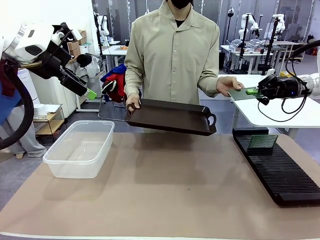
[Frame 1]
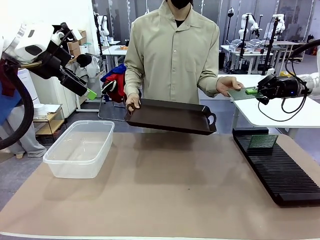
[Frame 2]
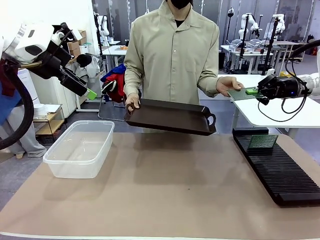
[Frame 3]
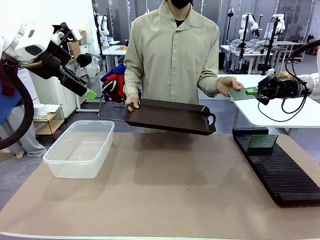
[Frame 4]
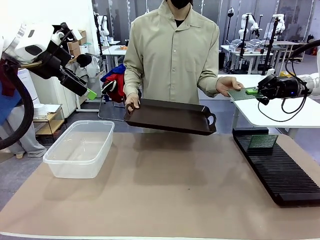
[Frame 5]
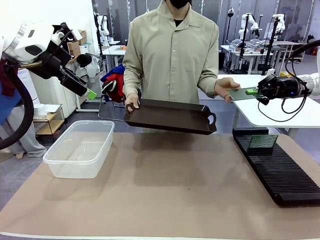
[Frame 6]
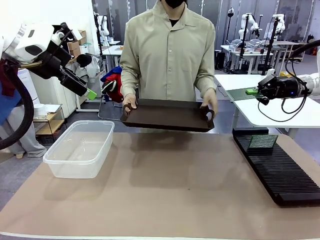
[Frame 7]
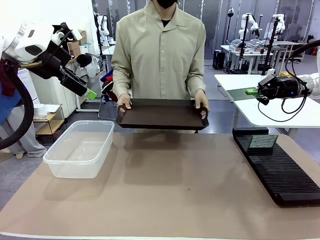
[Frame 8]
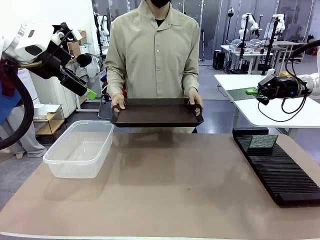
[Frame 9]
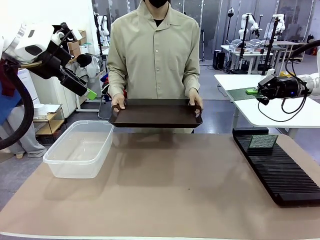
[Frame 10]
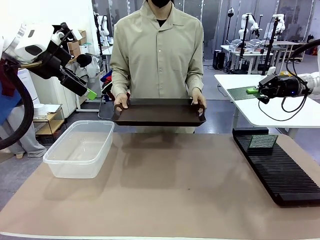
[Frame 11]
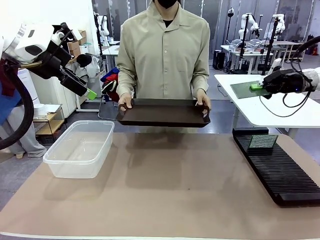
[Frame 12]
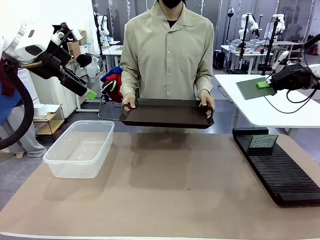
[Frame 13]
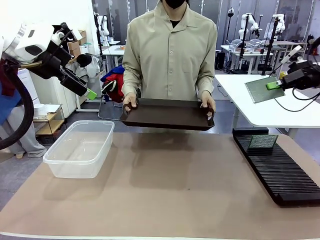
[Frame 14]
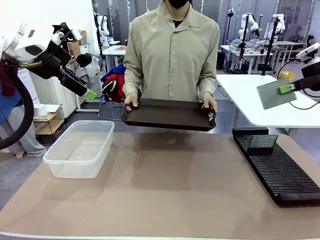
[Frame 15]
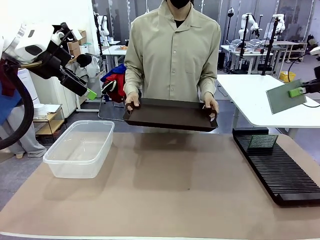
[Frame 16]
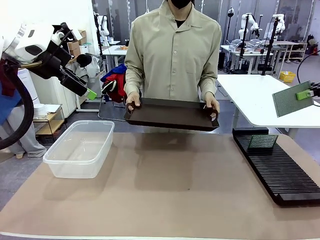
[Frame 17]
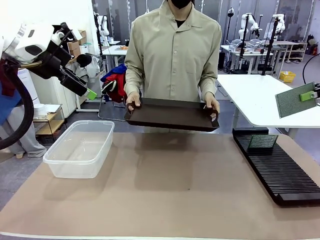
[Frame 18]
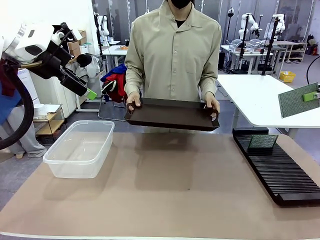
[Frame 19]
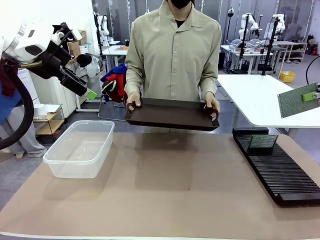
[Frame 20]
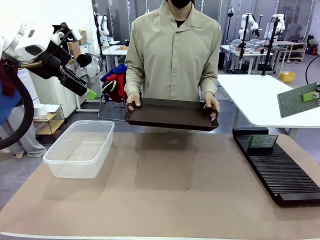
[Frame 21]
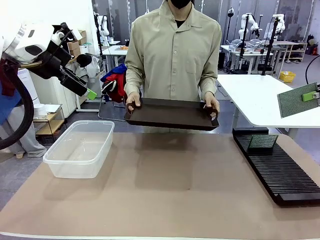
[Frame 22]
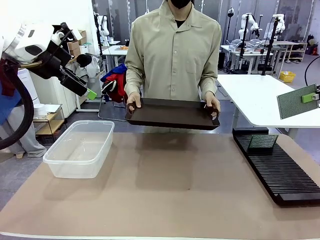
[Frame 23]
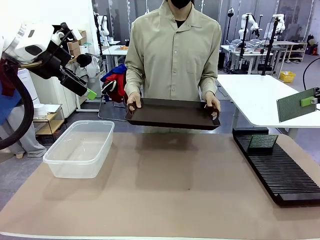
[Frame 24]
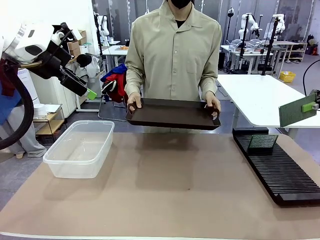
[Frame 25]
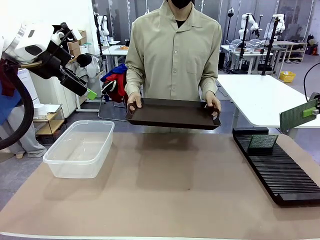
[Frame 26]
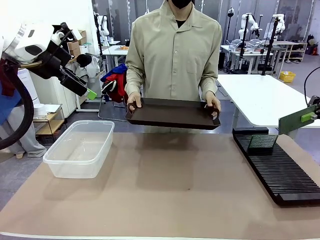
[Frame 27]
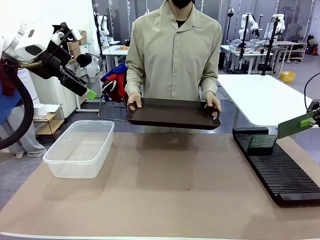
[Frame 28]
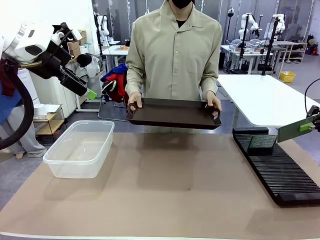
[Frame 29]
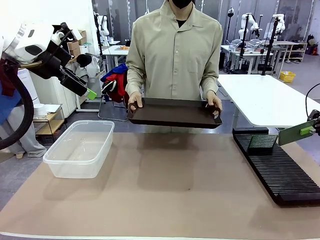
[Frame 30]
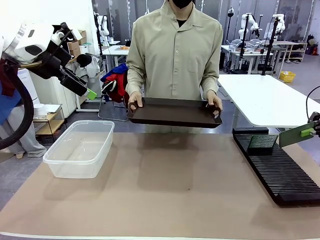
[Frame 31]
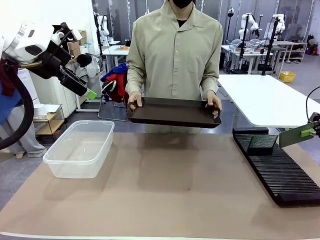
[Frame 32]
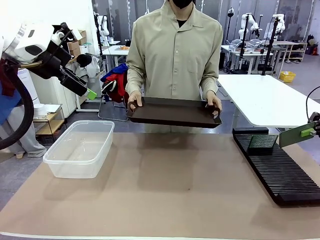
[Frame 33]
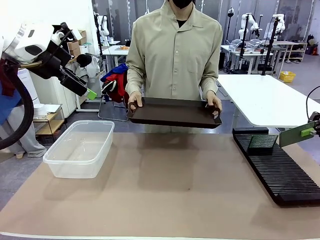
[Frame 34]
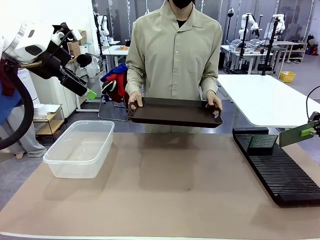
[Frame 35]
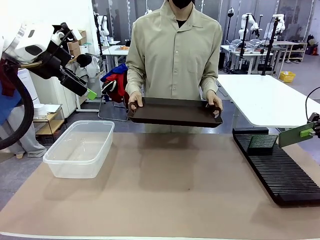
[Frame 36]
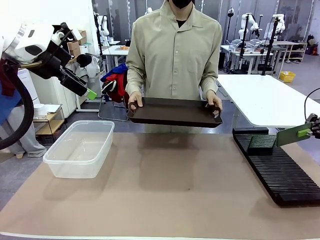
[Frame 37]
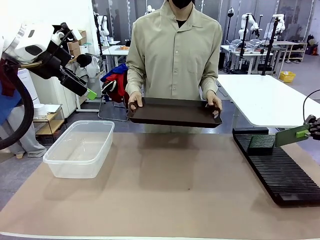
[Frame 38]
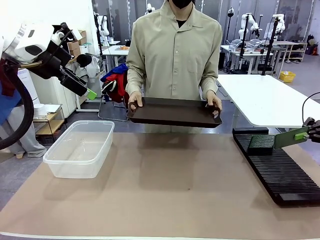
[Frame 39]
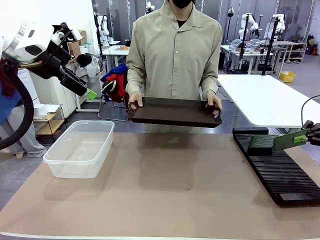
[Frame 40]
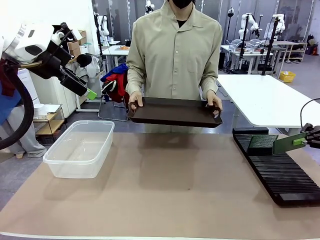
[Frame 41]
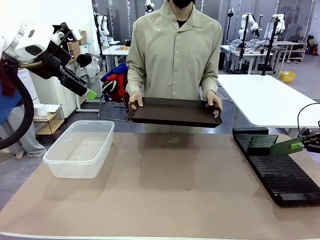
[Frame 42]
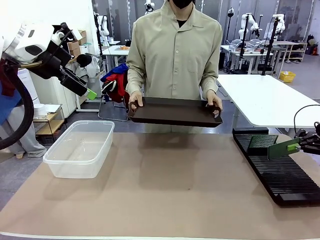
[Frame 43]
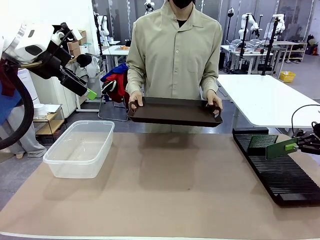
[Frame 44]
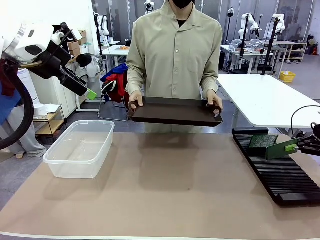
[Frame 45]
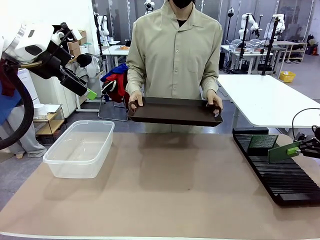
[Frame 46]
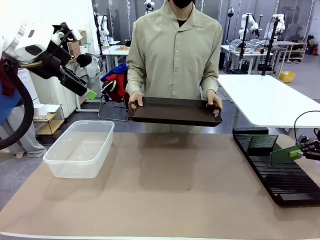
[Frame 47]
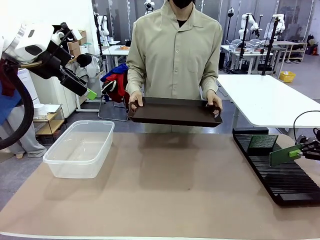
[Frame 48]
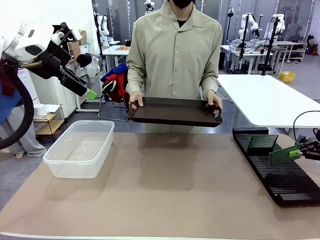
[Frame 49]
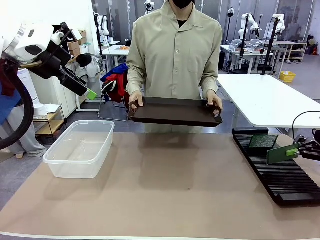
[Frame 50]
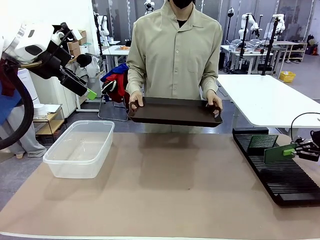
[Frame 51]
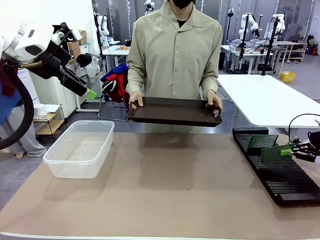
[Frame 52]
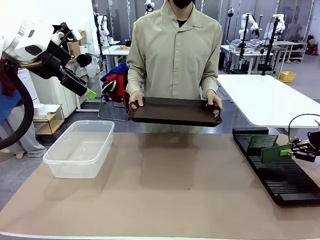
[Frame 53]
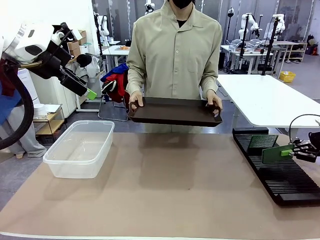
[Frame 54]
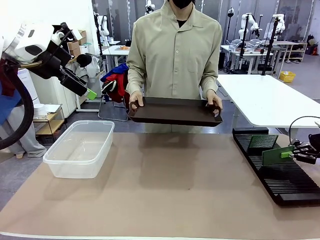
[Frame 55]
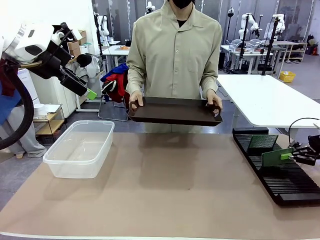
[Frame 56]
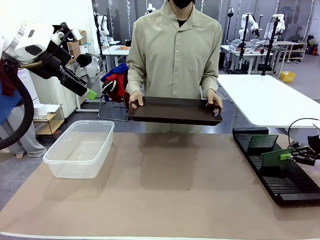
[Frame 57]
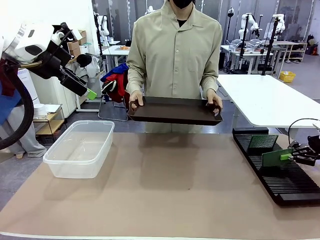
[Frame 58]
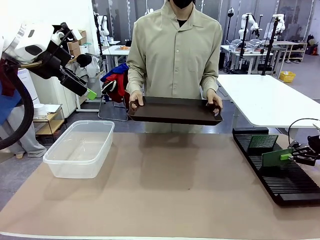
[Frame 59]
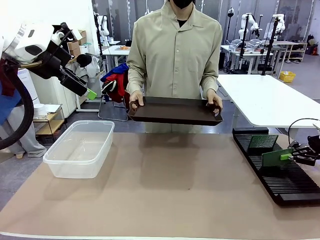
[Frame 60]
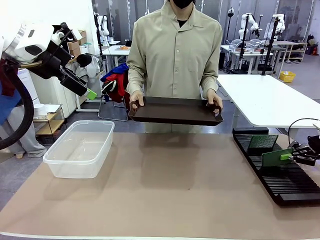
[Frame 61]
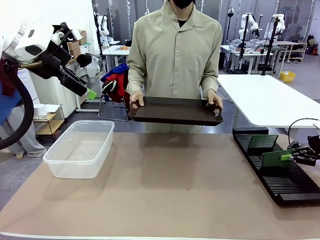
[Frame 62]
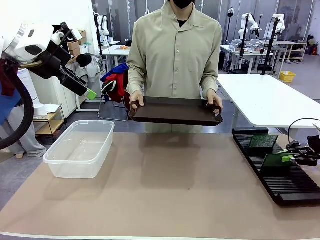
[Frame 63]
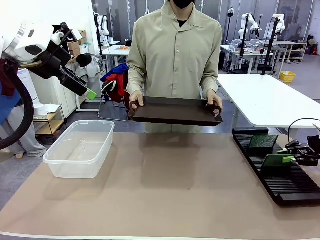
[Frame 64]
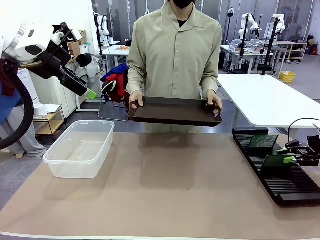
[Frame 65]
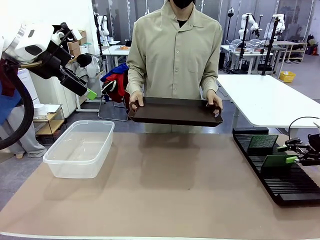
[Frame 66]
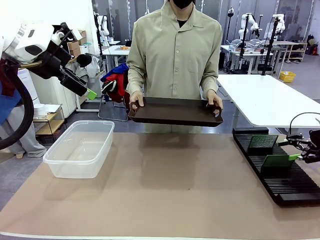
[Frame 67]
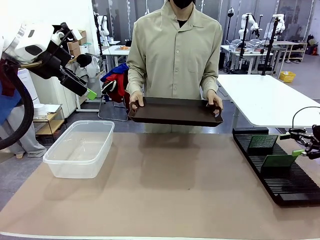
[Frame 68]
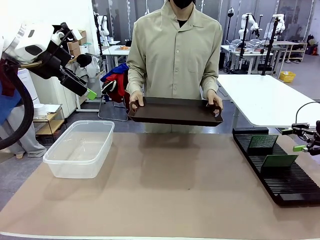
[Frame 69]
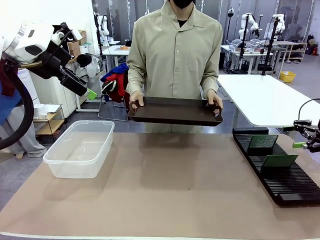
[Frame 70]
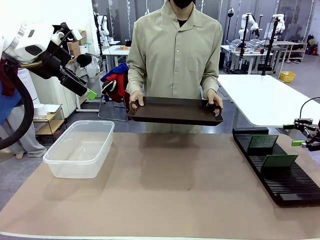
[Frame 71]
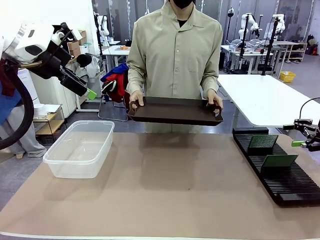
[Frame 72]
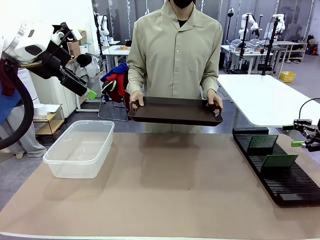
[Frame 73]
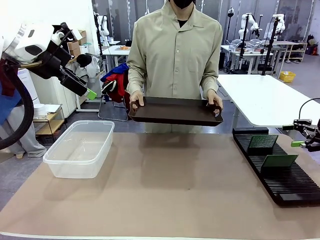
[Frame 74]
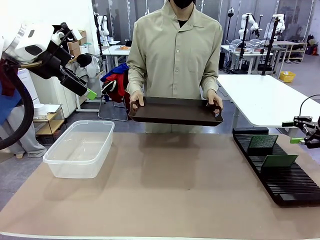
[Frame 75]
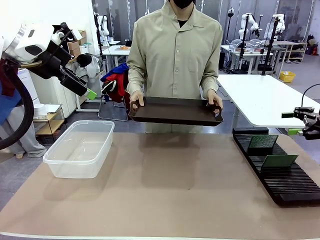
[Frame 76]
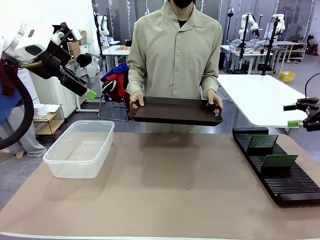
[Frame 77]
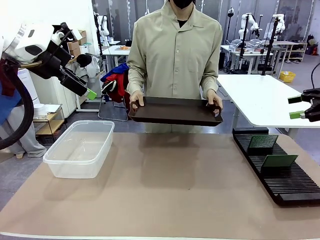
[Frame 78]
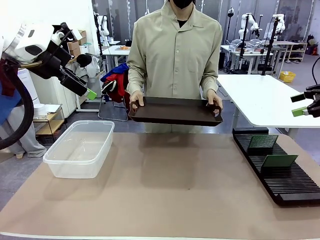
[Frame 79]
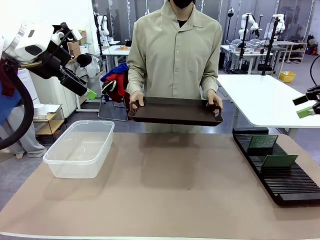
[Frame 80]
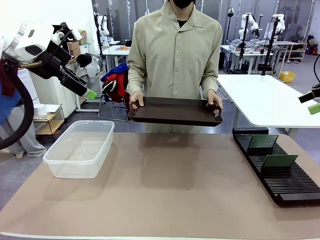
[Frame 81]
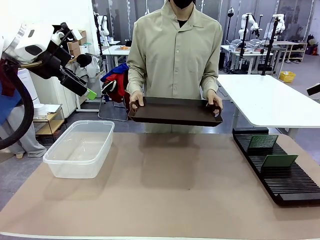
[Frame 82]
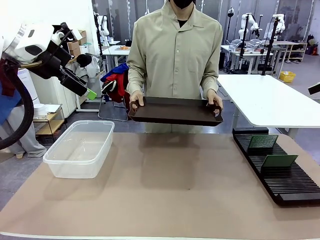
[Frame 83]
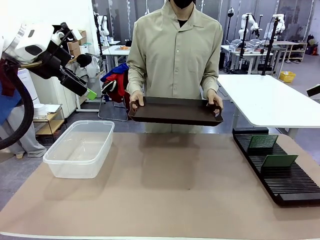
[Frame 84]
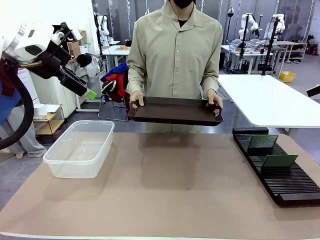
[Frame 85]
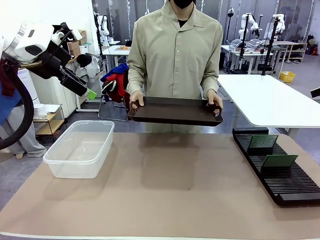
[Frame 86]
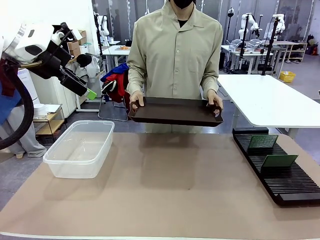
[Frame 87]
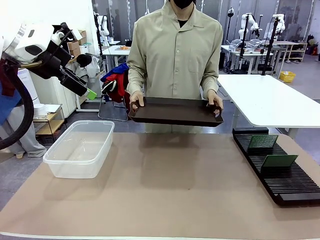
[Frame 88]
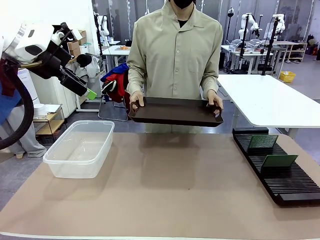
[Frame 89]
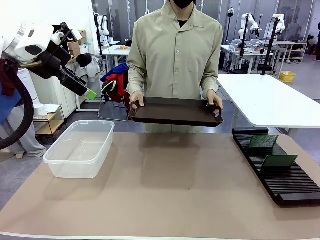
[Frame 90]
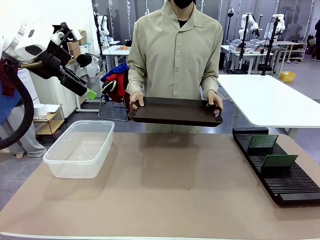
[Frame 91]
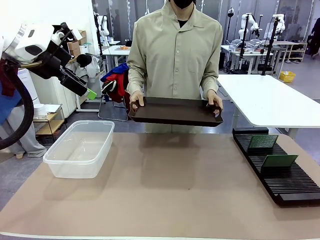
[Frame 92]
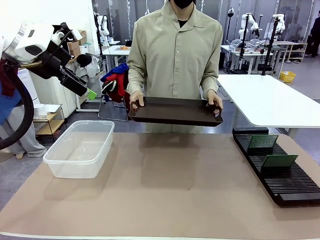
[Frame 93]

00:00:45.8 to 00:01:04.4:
Task: Sort PCBs into racks and boxes based on the side picked up.
Robot: If the short side of the Blank PCB is picked up, insert it into the PCB Rack ; if the long side is picked up, place it in the Organizing box.
Person: Release the PCB being held.
